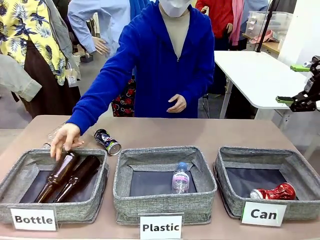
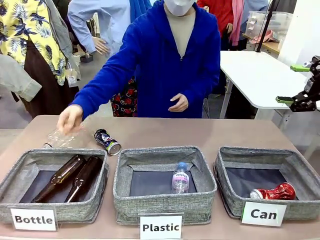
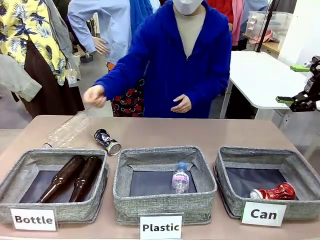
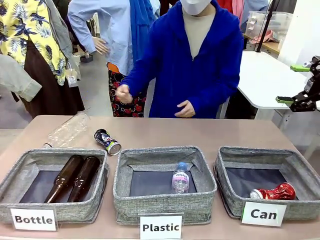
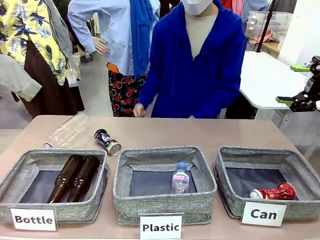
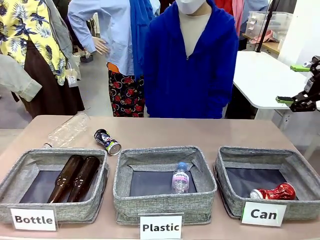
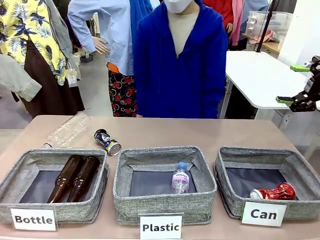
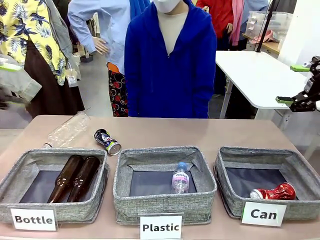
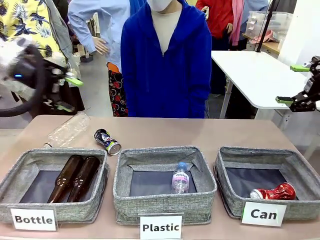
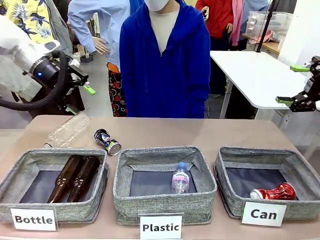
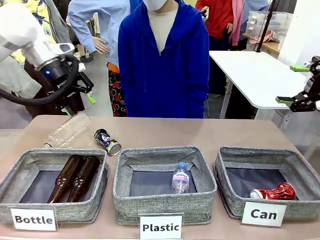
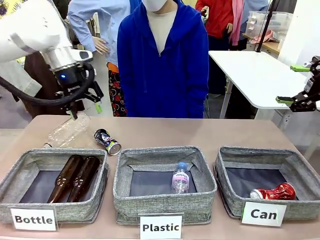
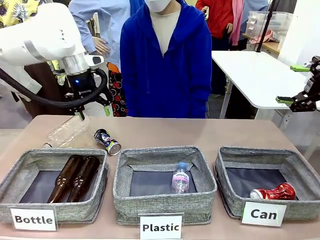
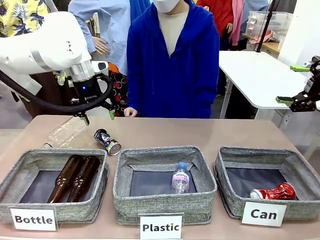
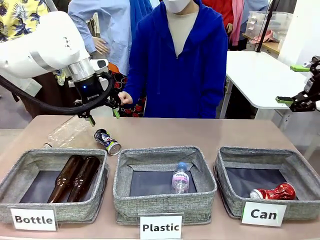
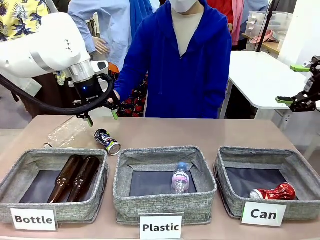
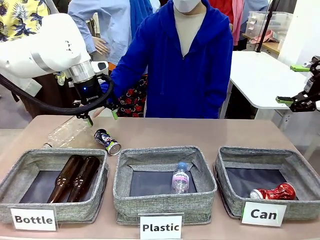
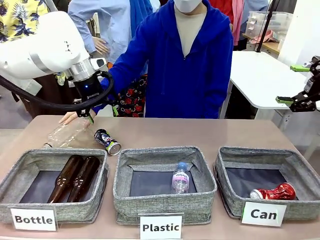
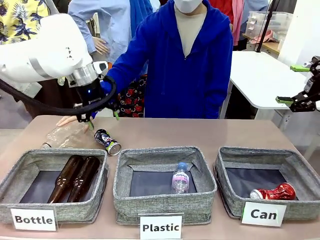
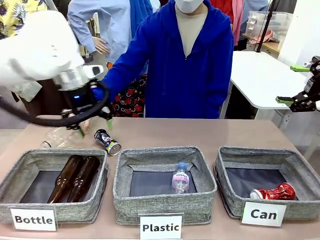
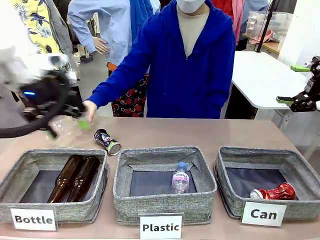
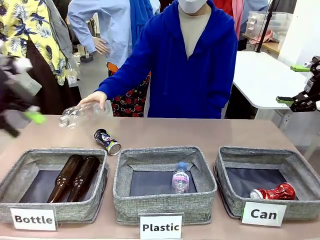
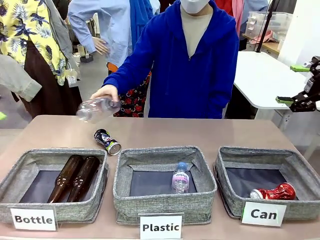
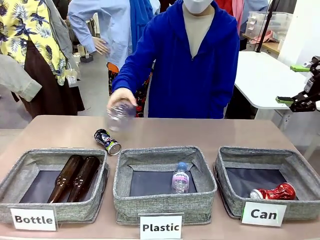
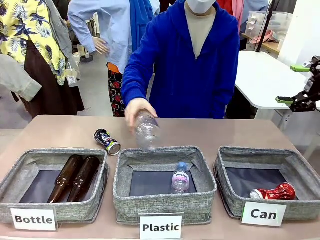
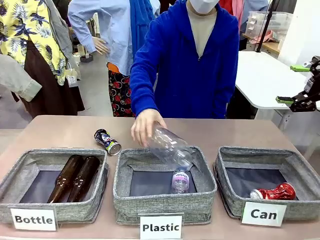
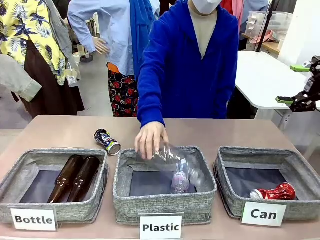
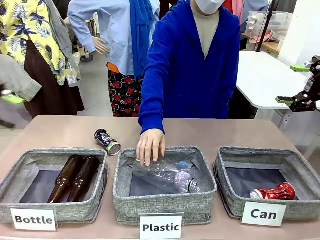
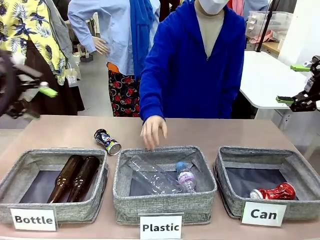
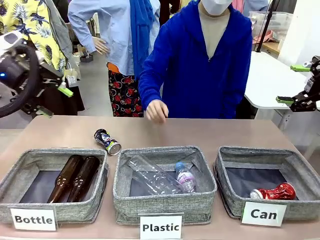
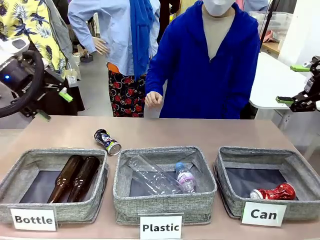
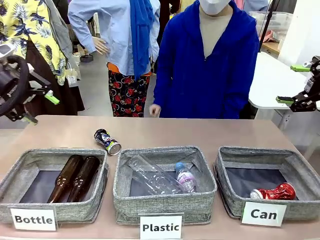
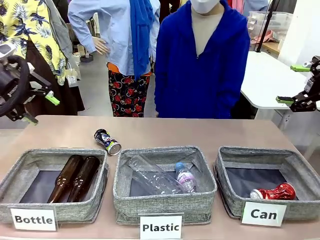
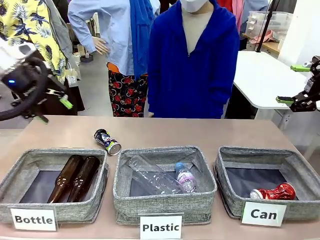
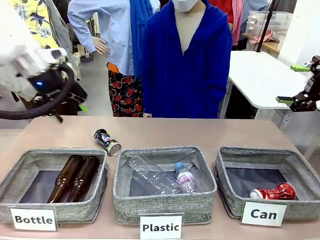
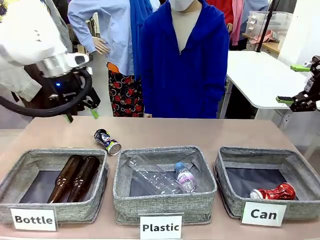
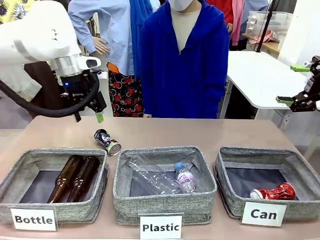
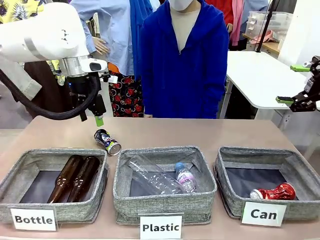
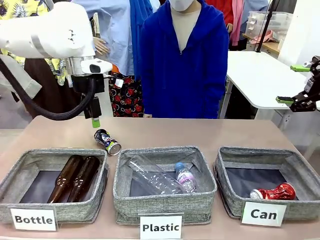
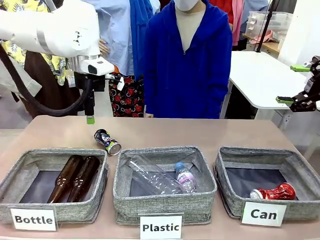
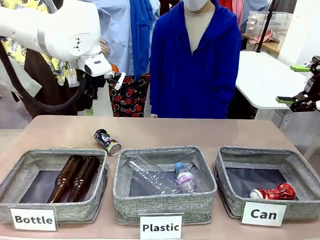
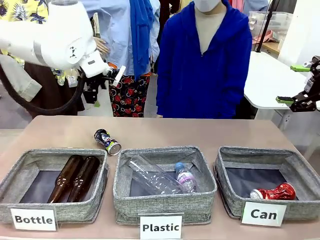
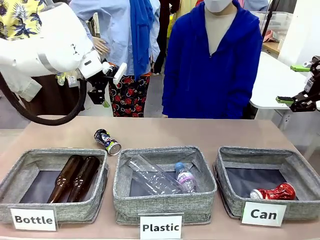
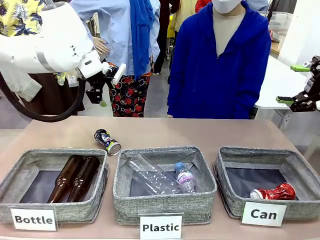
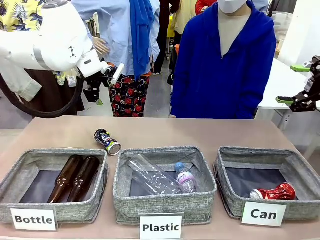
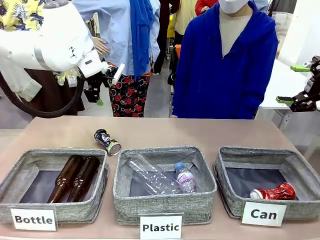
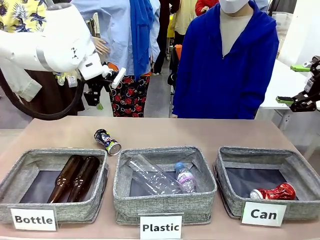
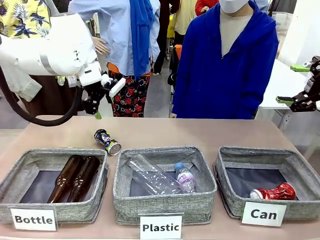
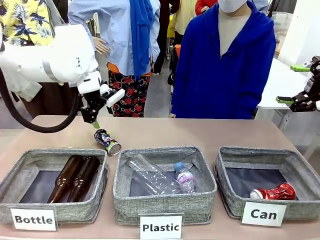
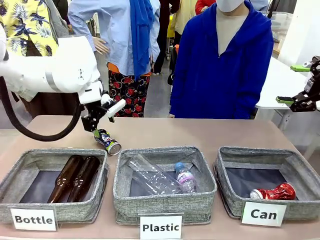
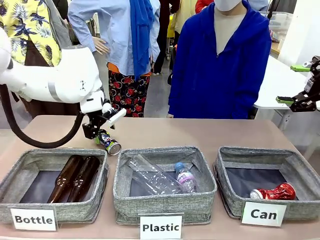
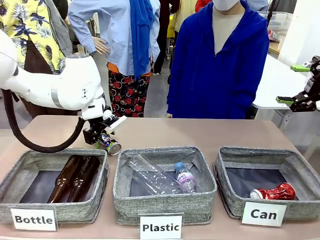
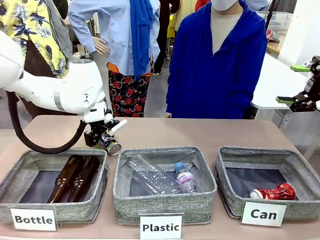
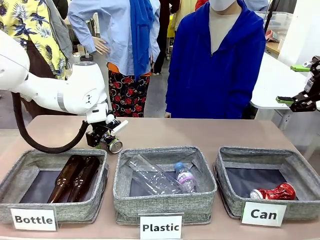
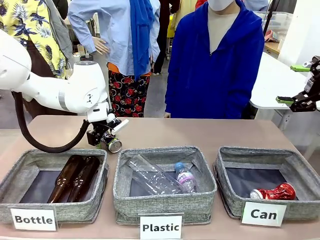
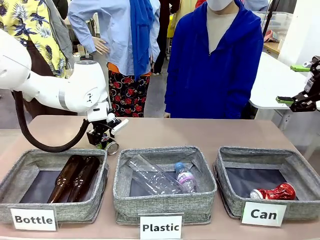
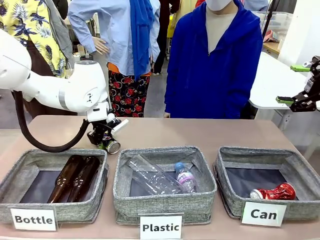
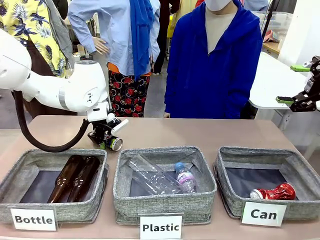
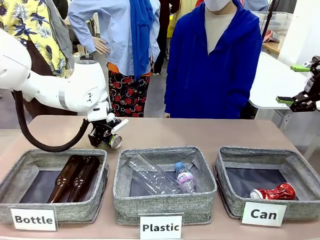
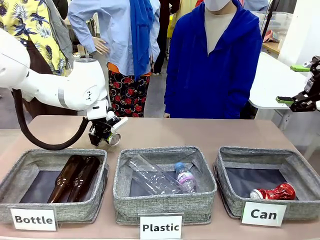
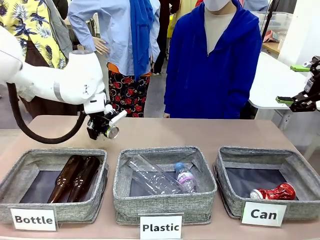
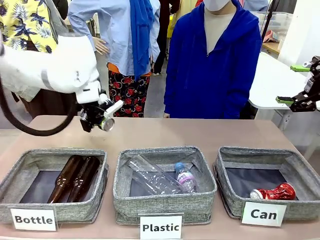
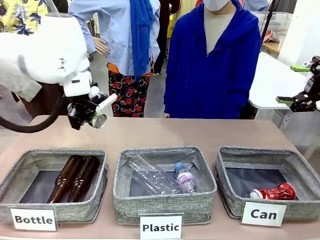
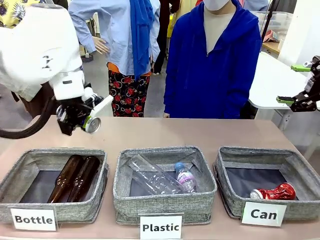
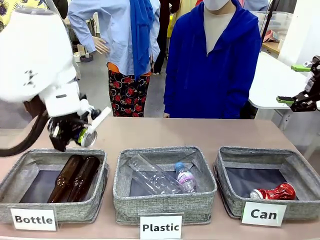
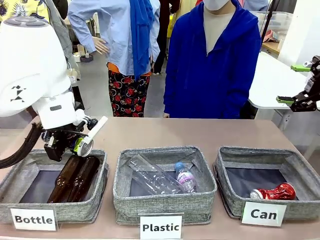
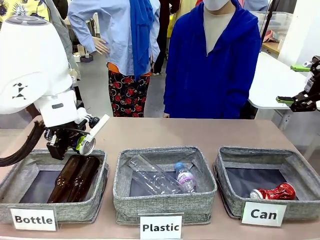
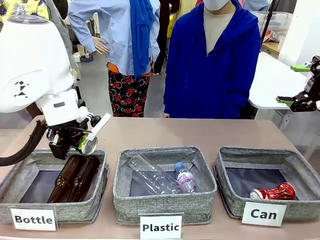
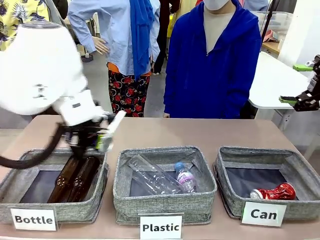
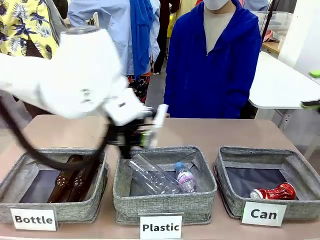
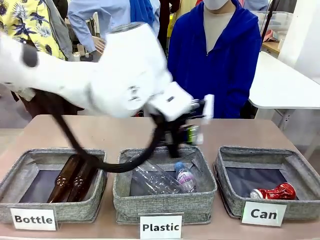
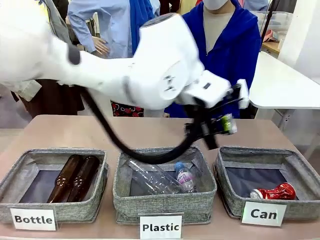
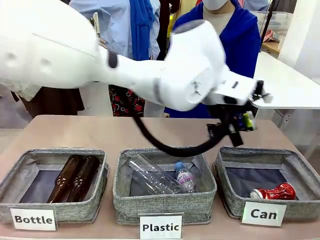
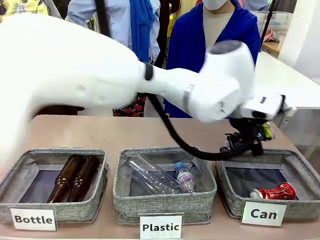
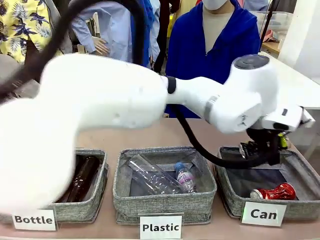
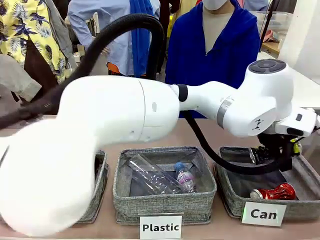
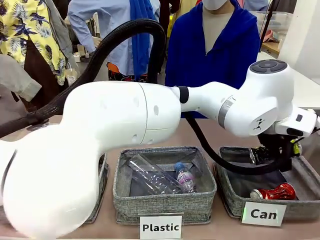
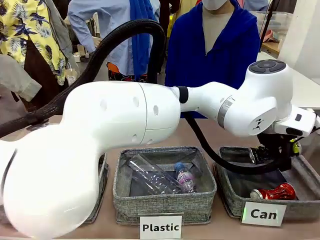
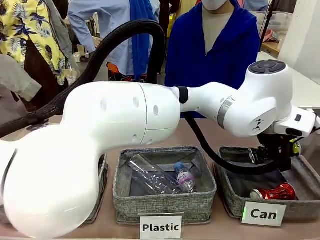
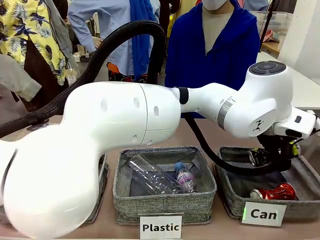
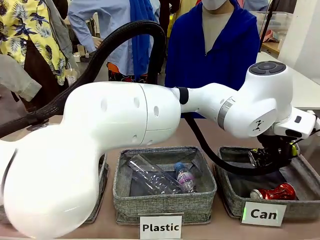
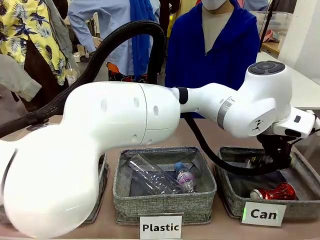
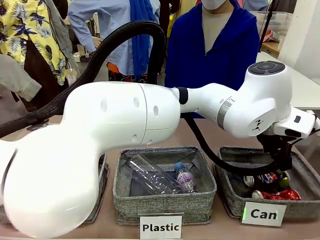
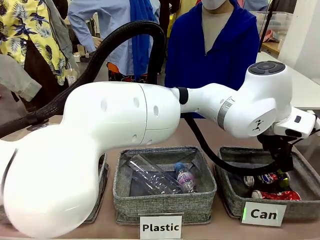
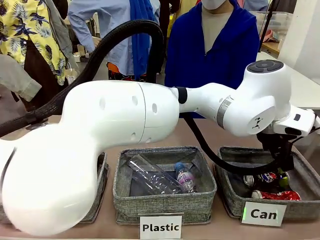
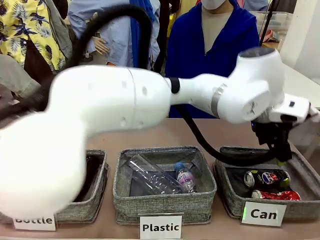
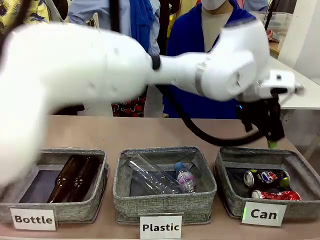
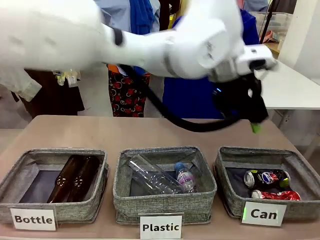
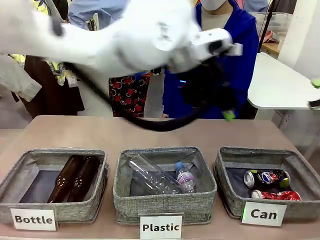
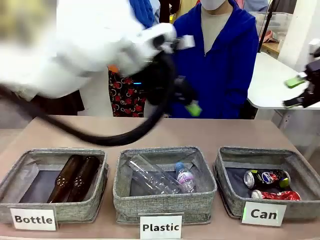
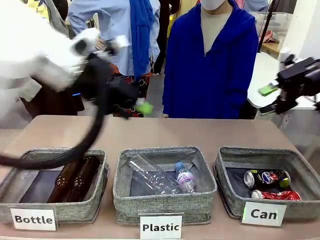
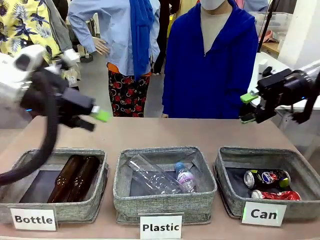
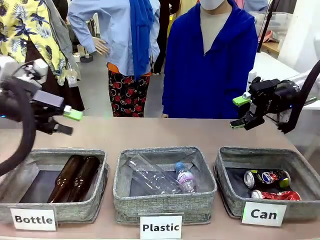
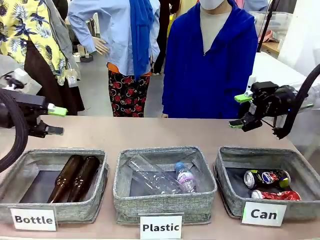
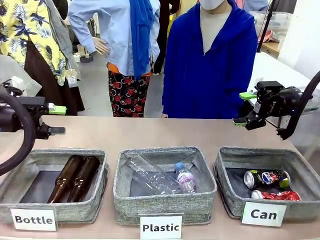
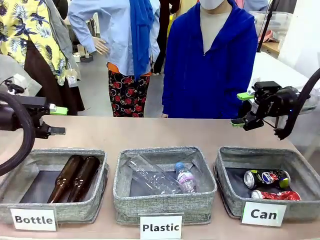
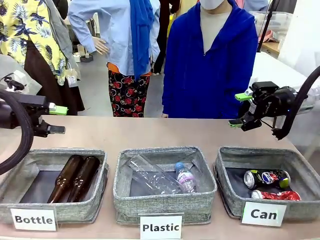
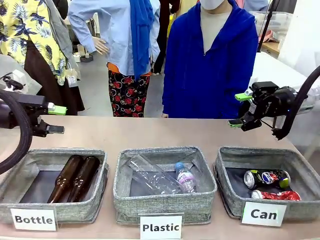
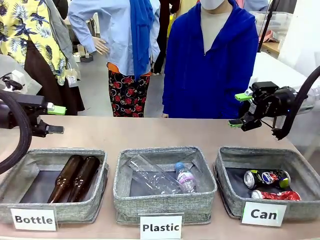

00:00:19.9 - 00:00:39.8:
Task: Sort the can waste into the basket.
Robot: Pick up the can waste from the table and place it in the right Fabric basket.
